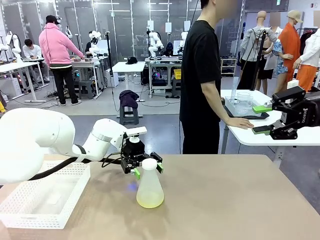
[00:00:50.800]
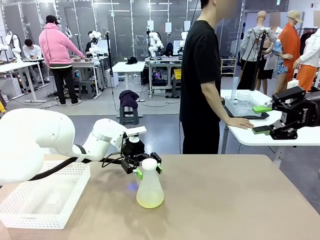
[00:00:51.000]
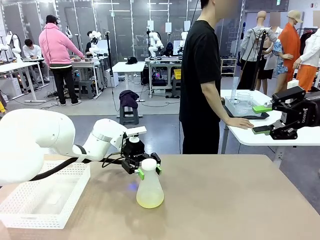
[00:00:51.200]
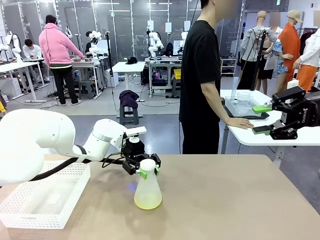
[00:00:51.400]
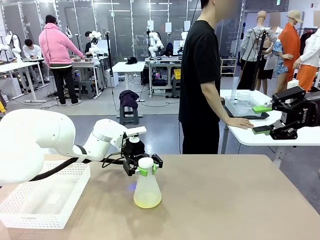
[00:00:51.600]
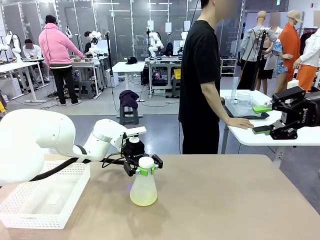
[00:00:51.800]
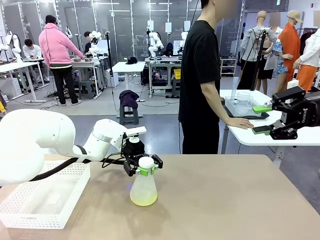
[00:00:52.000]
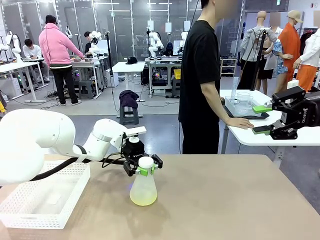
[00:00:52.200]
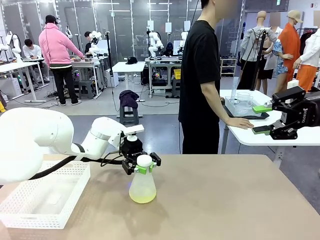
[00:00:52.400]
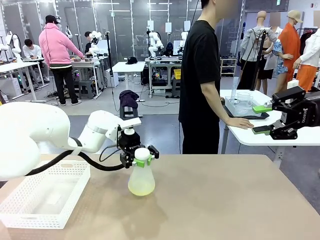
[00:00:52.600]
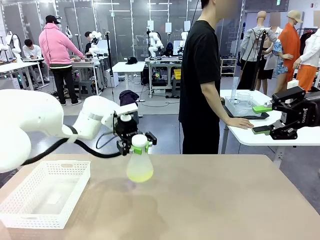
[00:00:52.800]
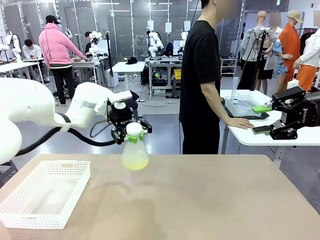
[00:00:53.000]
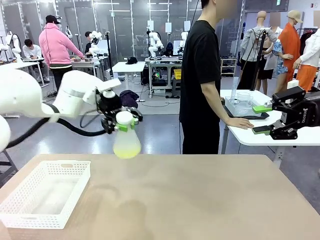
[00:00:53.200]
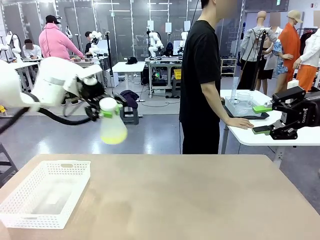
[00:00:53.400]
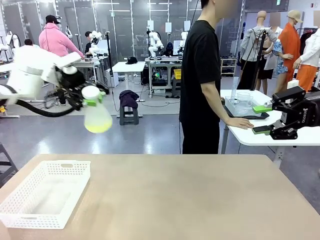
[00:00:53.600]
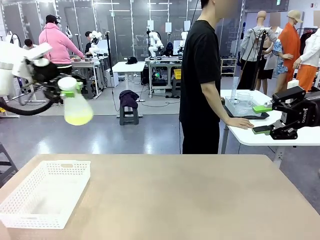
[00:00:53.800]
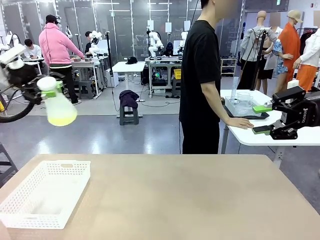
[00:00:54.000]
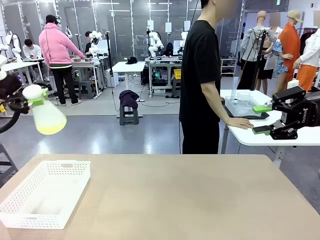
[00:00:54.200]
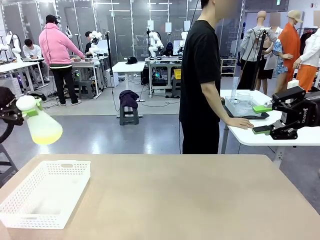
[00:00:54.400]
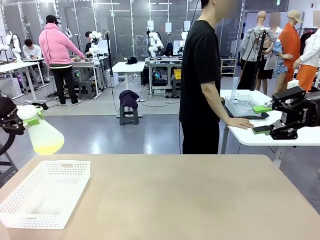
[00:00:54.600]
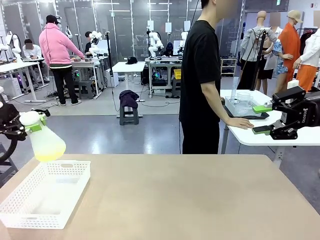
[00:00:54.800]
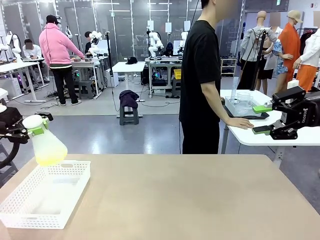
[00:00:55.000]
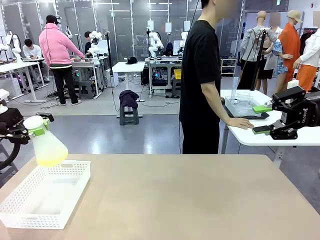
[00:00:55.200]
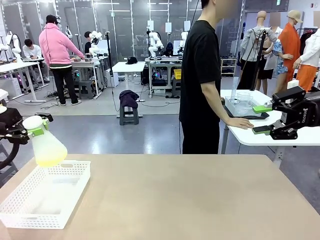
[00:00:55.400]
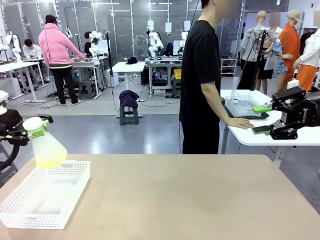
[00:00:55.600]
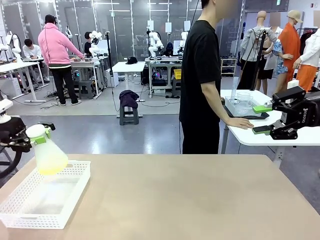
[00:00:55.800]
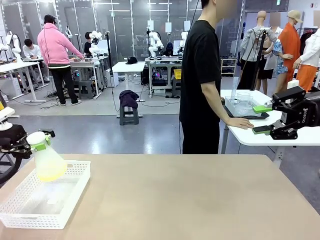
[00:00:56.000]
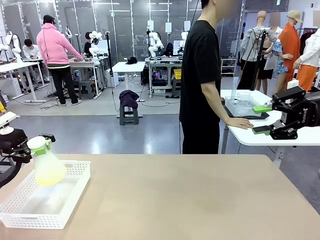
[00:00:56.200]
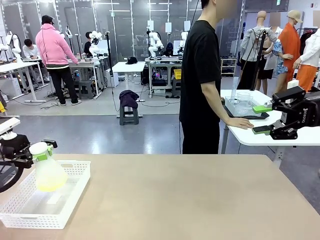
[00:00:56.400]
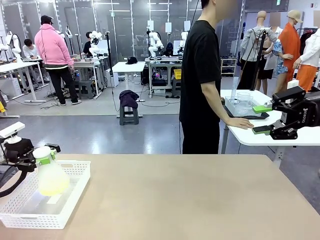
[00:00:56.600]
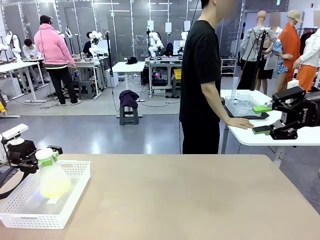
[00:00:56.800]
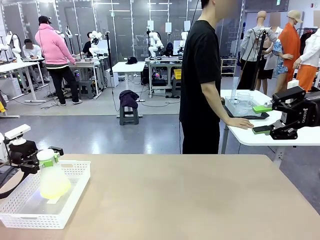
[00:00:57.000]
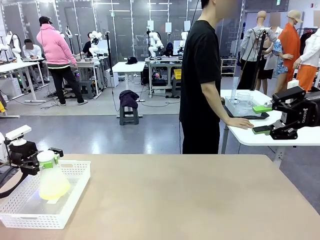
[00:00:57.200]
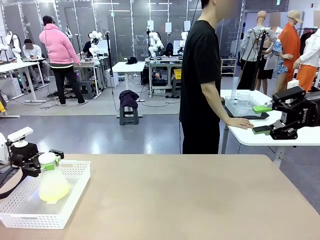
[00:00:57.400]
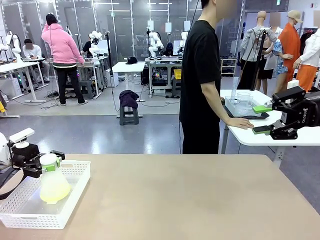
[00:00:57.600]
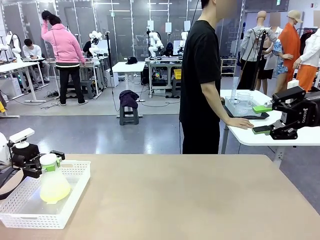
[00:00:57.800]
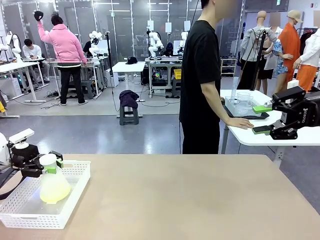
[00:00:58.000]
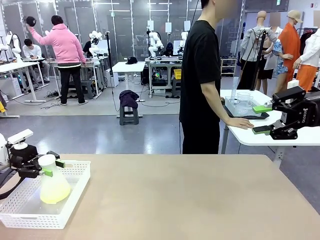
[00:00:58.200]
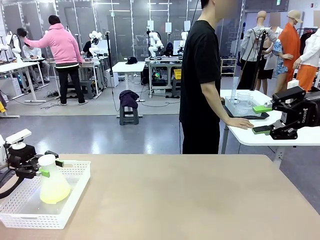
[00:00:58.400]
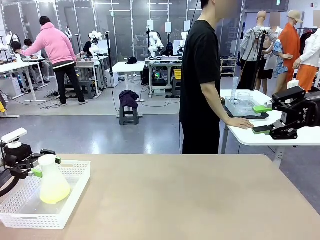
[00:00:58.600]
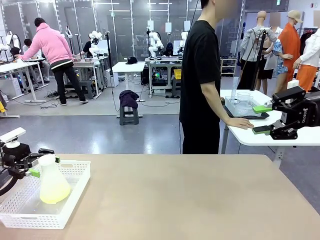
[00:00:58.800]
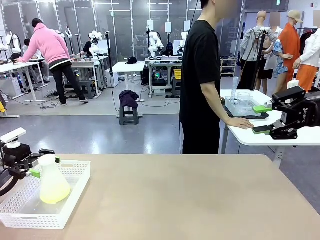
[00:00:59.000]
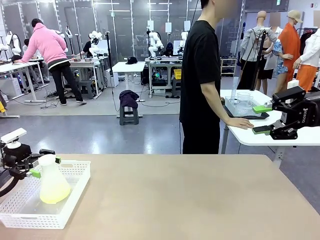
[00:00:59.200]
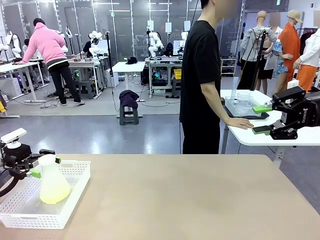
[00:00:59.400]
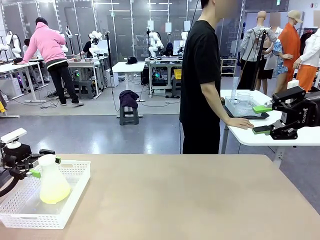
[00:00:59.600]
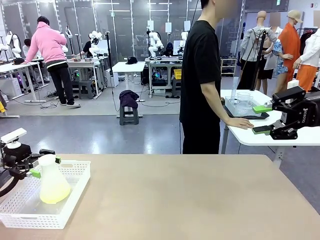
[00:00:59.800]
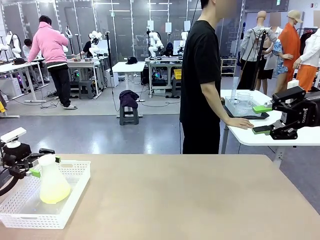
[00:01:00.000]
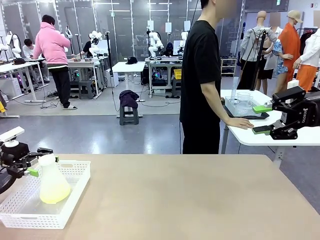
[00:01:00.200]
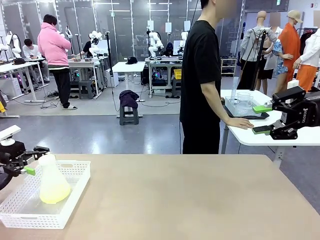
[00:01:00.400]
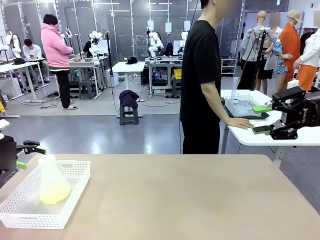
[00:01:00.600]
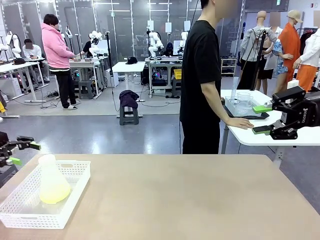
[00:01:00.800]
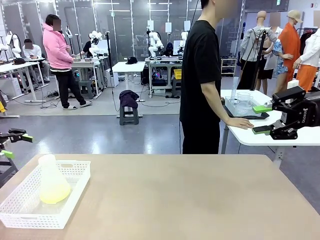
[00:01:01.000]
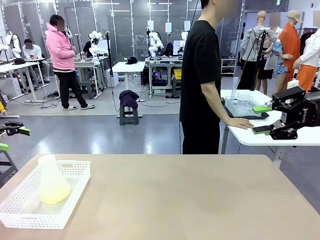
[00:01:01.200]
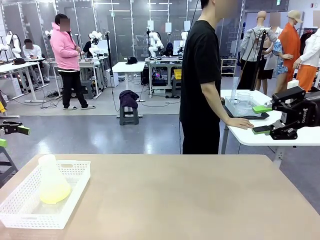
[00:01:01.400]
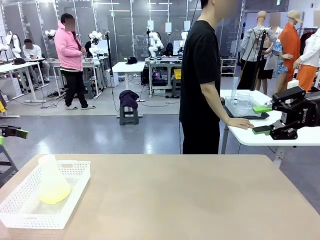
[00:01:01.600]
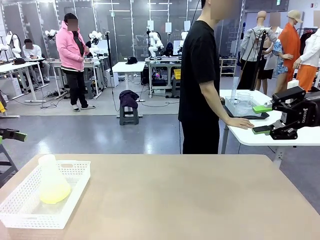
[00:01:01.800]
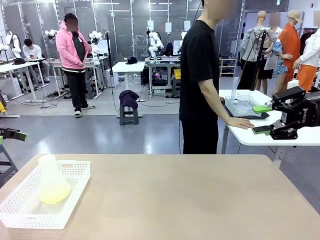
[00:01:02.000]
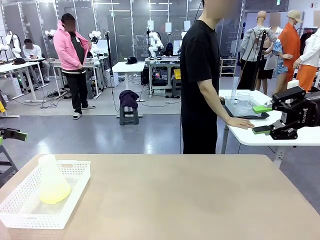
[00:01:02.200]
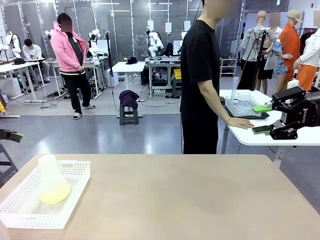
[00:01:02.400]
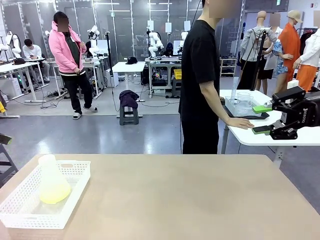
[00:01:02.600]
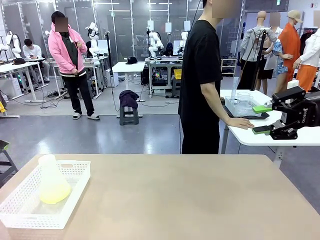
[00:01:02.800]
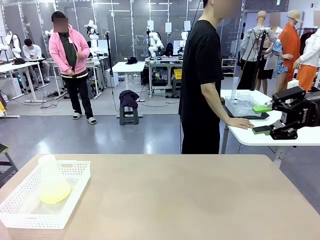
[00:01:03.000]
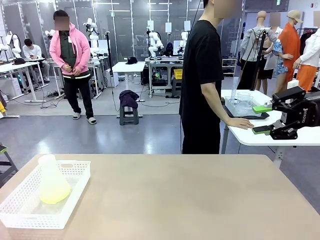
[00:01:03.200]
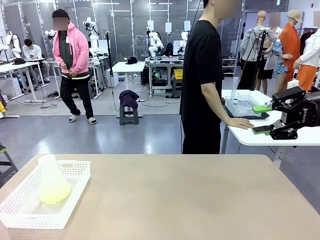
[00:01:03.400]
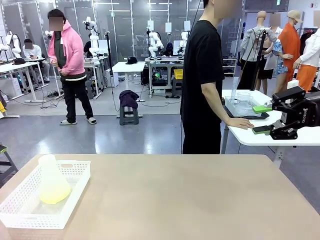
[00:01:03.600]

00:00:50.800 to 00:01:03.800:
Task: Prepare the solutions needed for the experiment.
Robot: When the human places the Big flask in the center of the table, pick up the Big flask and place it in the left Organizing basket.
Person: Pick up the organizing basket on the left side of the robot table and place it on the left side of the human table.

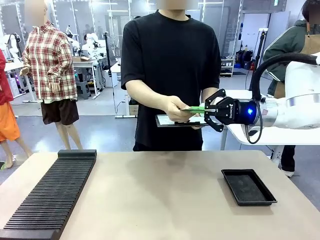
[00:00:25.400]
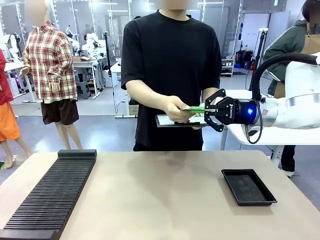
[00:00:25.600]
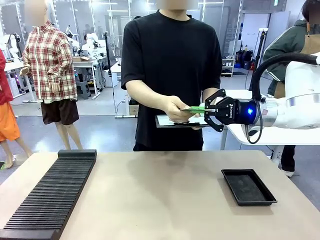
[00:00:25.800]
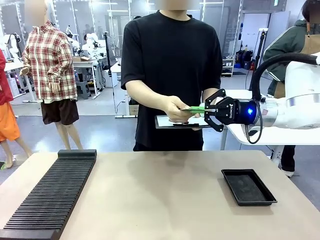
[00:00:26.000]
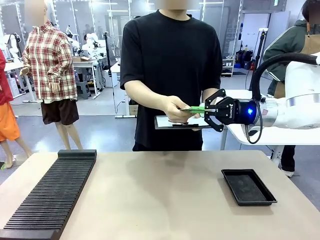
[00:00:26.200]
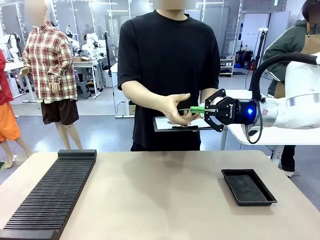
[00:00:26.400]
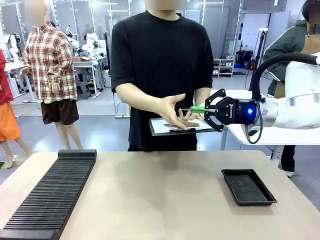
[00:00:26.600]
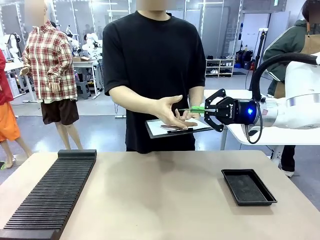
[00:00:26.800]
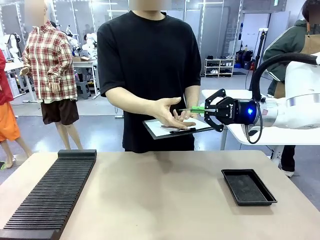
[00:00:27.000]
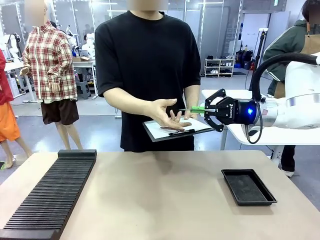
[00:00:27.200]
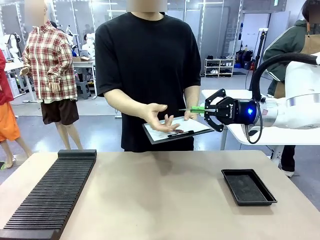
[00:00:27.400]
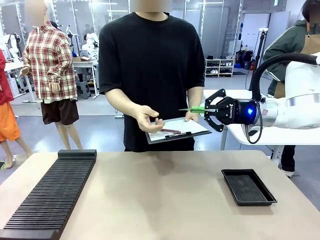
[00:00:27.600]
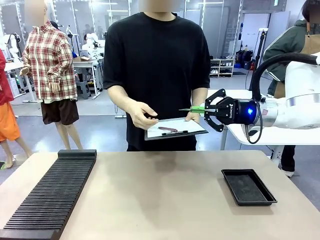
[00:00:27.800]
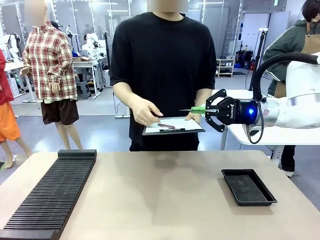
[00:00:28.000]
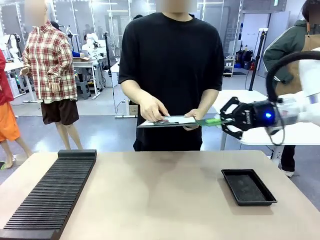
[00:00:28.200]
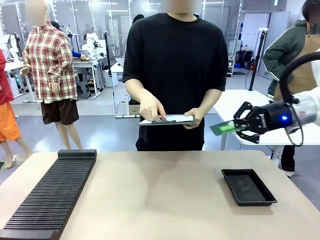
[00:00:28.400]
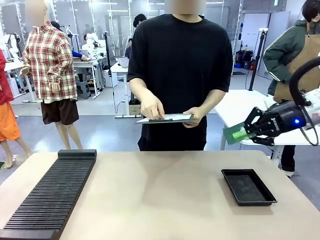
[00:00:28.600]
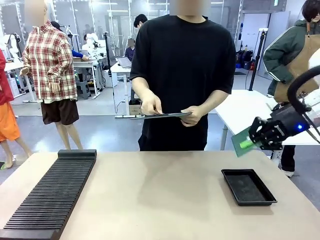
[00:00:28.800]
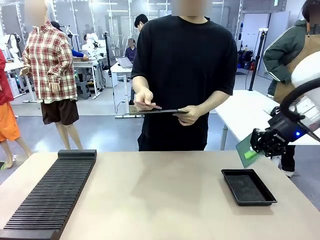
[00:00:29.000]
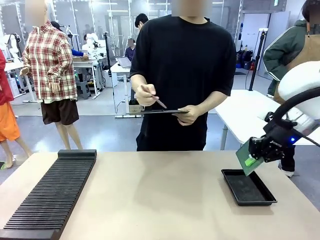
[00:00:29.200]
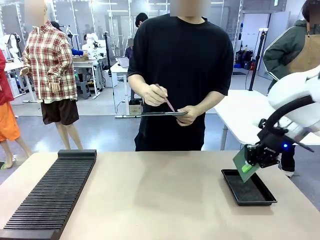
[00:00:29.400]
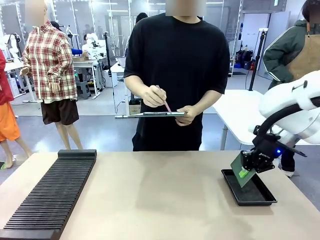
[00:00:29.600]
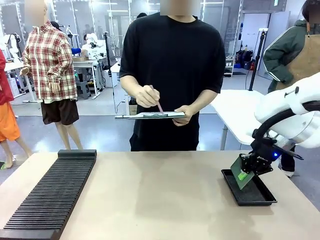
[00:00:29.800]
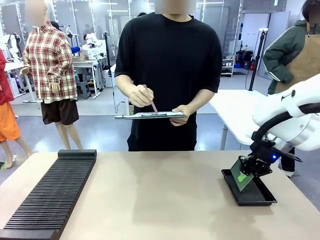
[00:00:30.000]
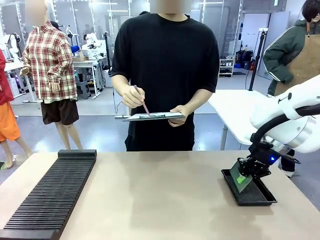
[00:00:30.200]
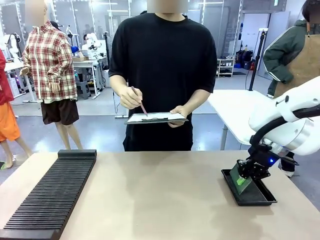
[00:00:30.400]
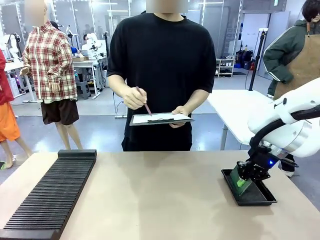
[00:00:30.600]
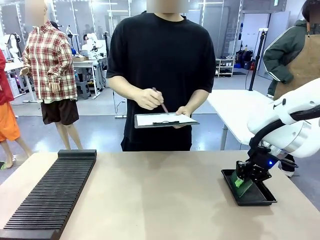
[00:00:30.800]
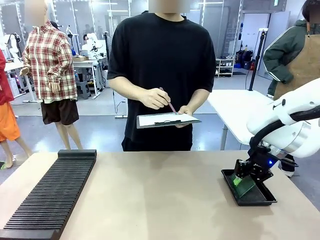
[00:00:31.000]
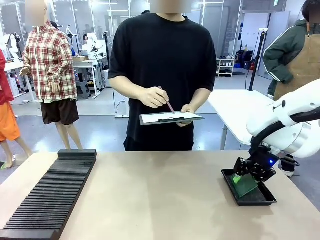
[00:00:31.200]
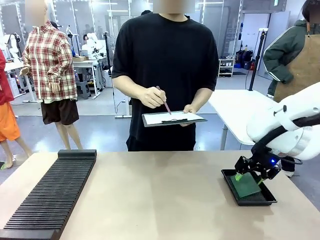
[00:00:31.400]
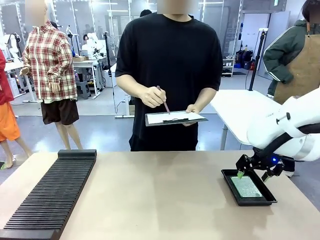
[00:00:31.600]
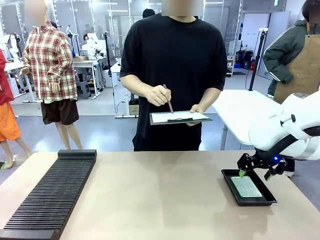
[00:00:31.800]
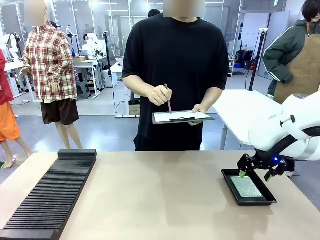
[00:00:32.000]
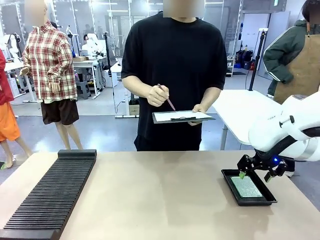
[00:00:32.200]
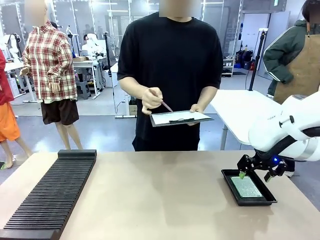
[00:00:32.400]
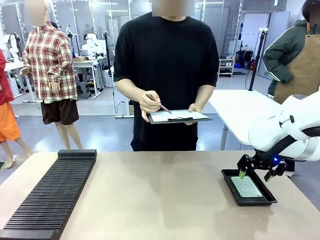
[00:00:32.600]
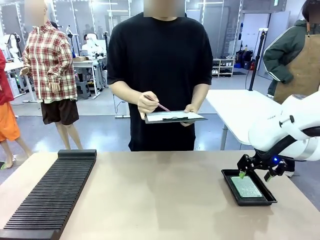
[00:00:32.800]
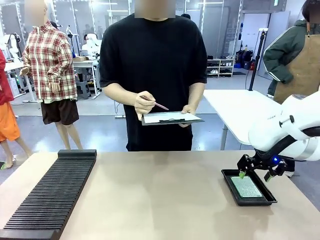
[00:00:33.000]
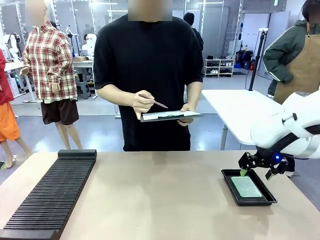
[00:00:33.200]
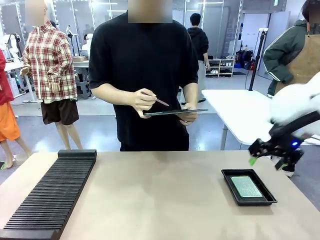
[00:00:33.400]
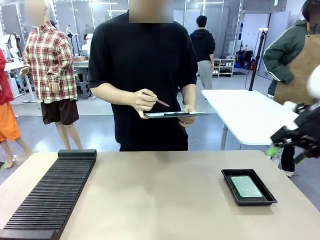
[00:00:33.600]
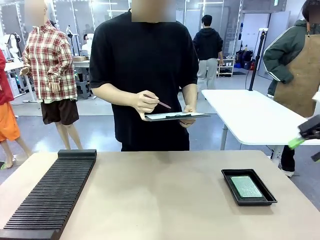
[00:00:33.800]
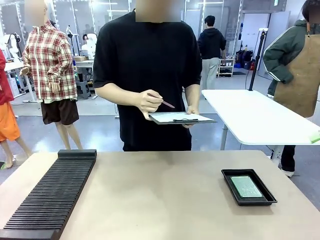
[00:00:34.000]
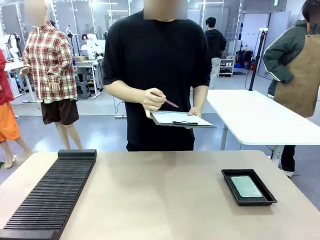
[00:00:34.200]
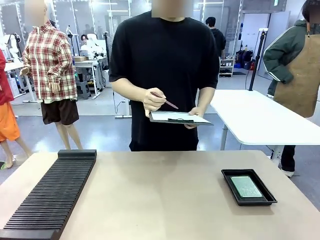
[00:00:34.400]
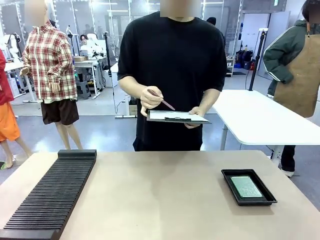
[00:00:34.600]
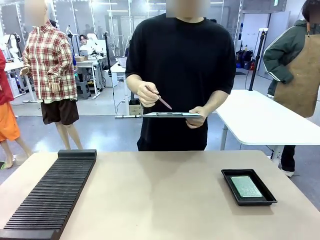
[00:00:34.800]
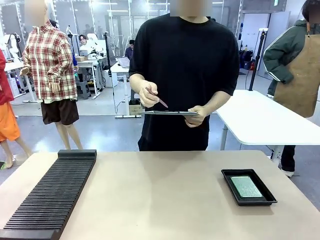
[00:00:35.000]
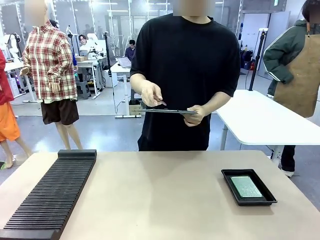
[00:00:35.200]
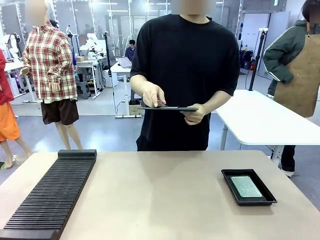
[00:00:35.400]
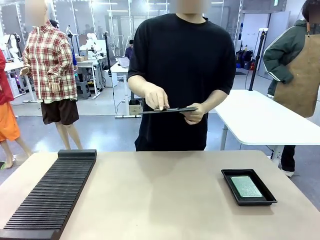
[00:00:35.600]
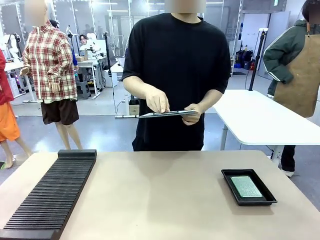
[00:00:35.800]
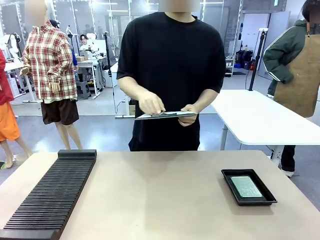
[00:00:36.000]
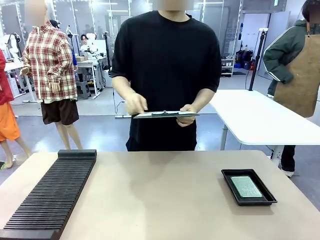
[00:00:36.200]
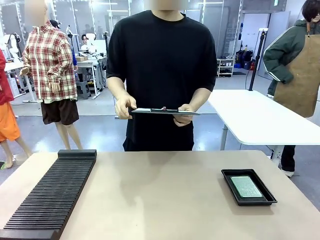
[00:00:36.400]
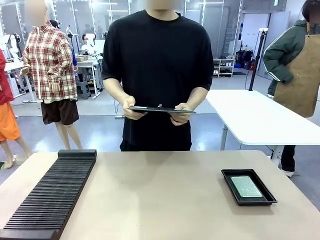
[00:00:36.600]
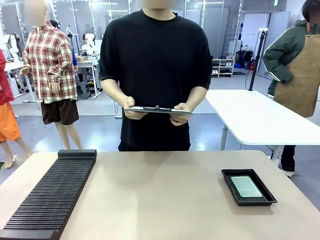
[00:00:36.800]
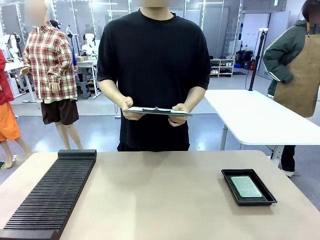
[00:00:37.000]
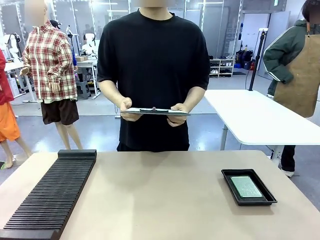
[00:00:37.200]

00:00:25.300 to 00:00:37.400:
Task: Inspect the PCB.
Robot: Place the Blank PCB in the ESD tray.
Person: Record the PCB status on the paper.
